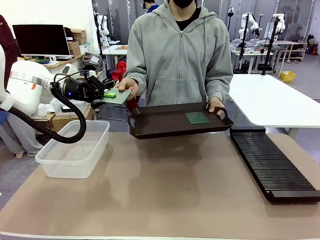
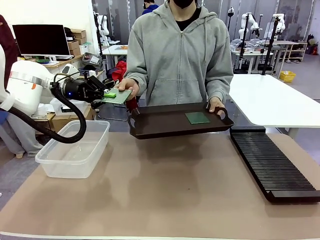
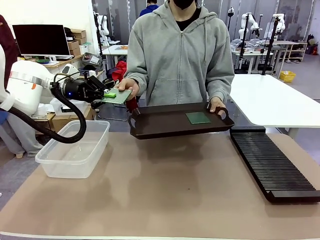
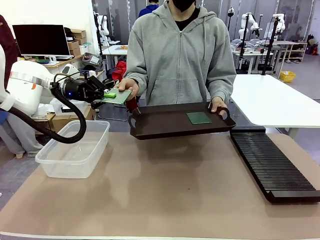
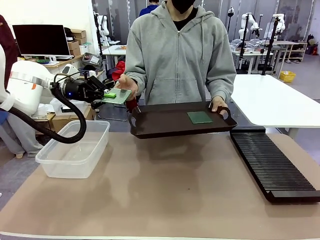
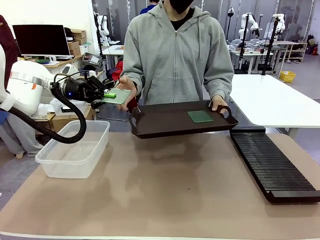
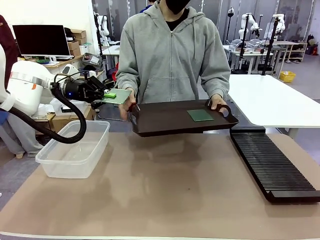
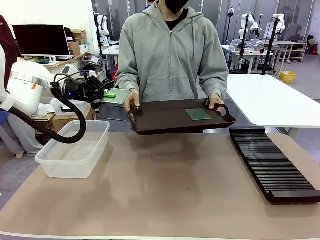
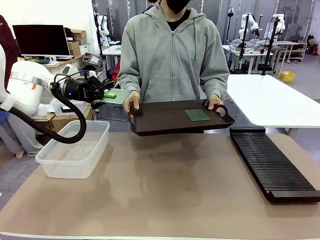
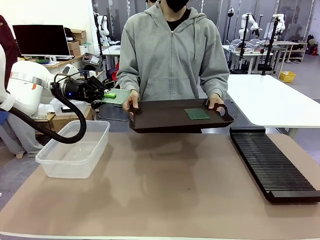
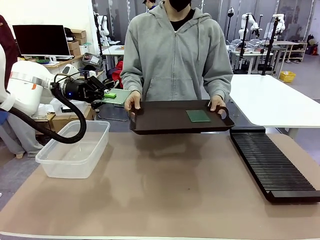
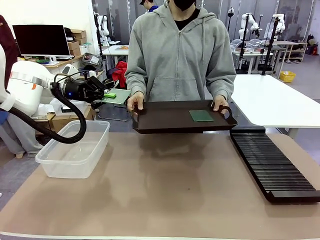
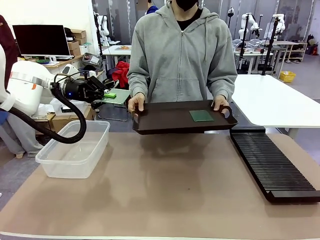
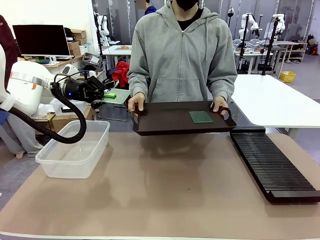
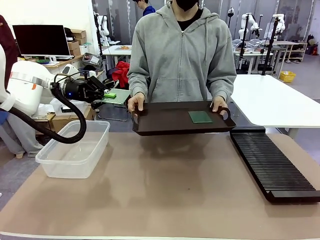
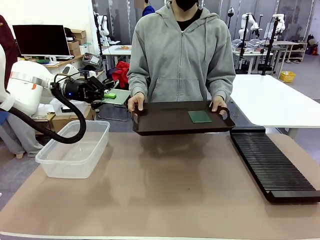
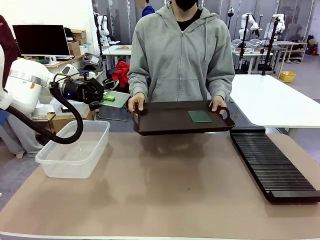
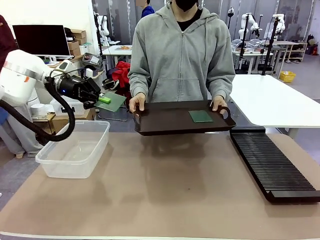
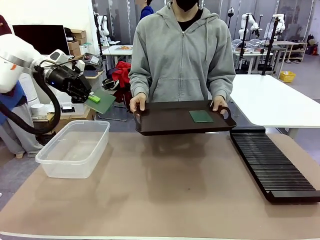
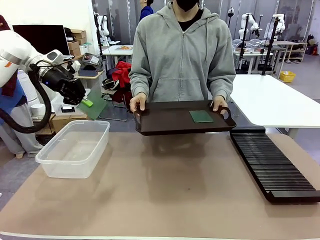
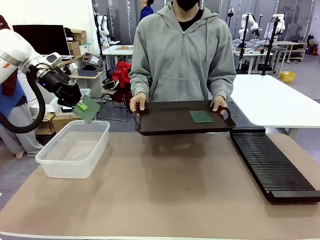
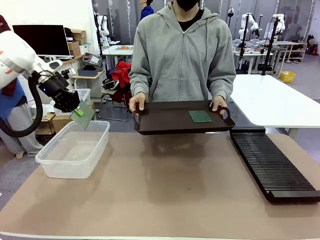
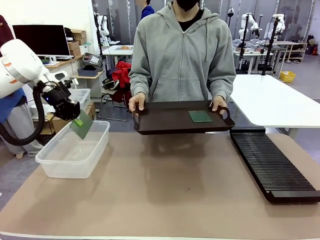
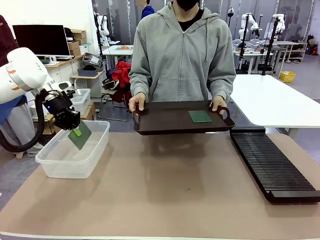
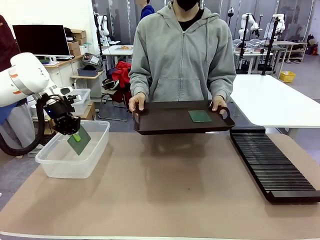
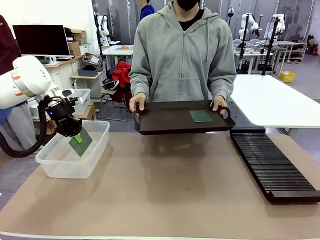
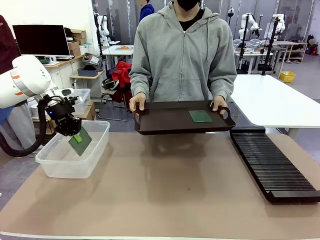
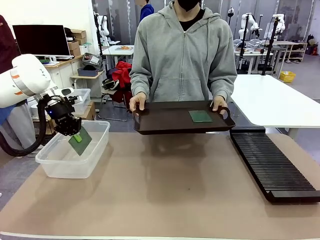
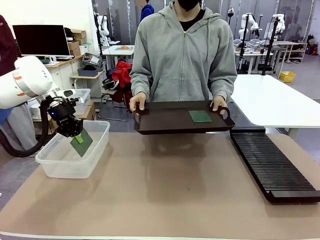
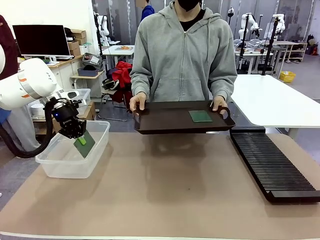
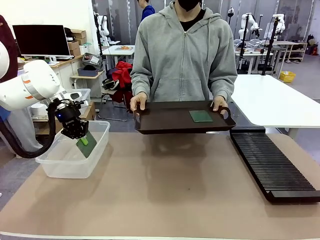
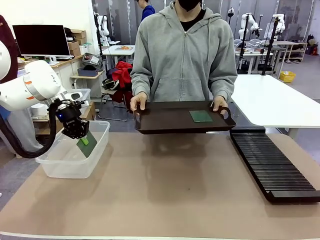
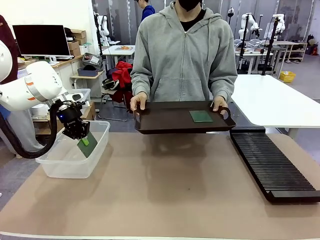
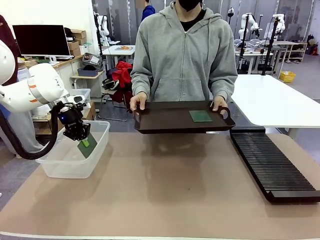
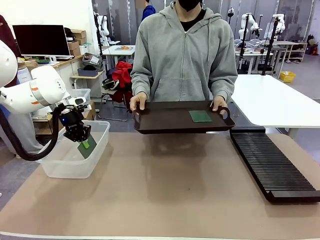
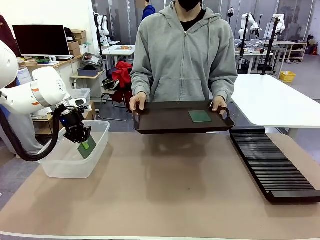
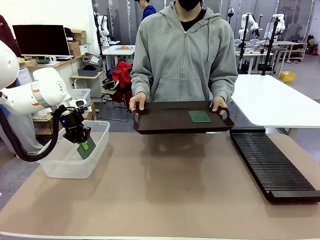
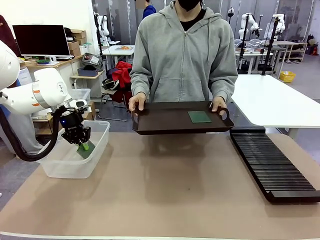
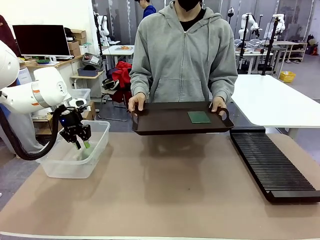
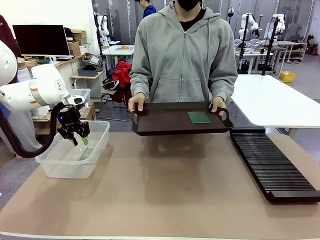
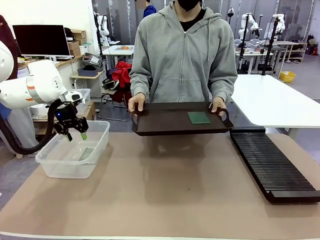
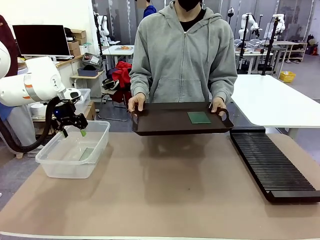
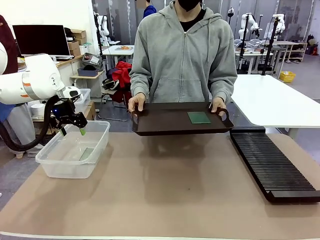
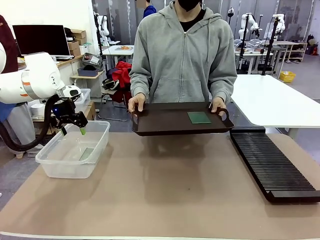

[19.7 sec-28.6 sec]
Task: Sort PCBs into racks and boxes based on the side picked up.
Robot: If the short side of the Blank PCB is picked up, insert it into the PCB Rack ; if the long side is picked up, place it in the Organizing box.
Person: Pick one PCB from the tray and present it to the robot.

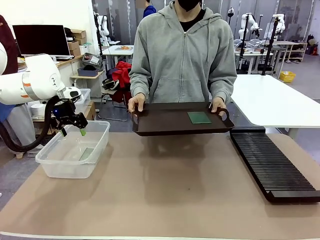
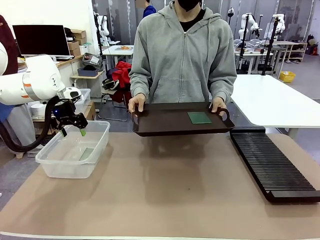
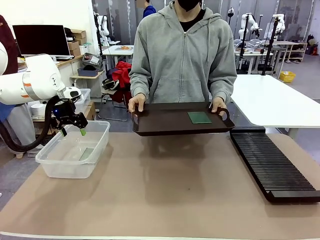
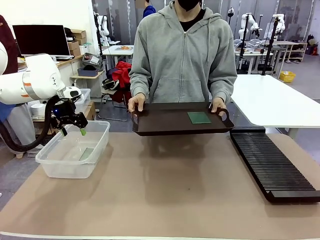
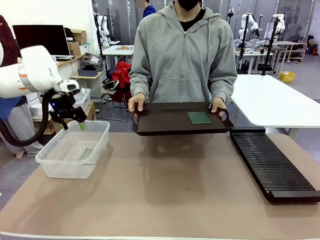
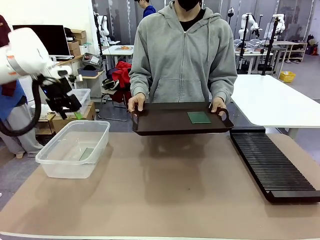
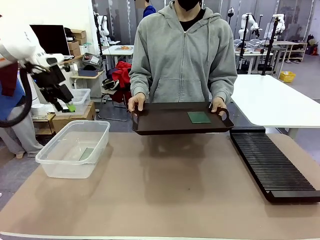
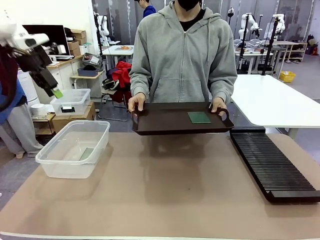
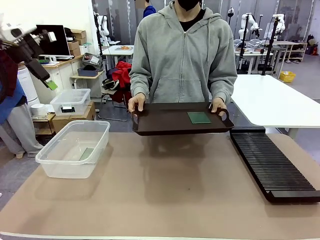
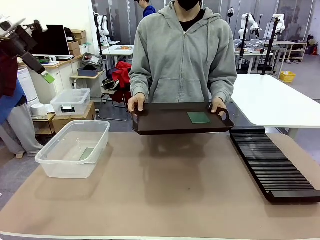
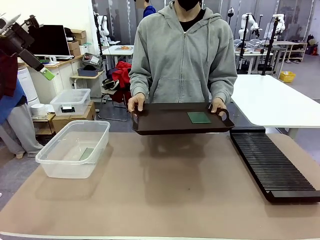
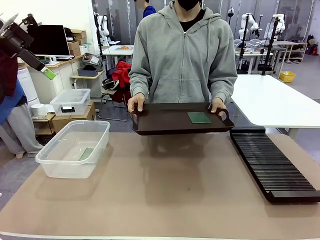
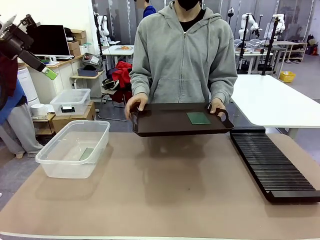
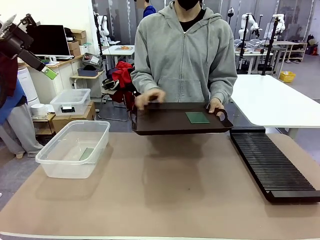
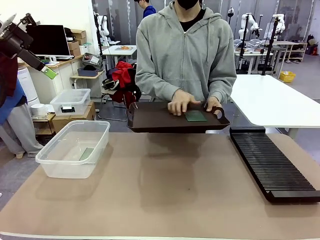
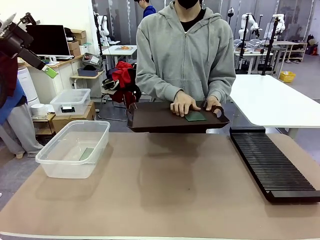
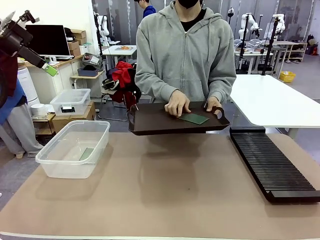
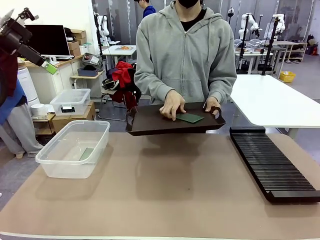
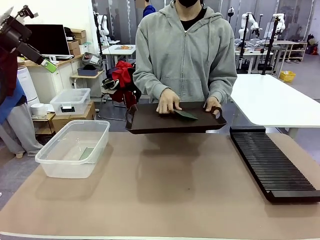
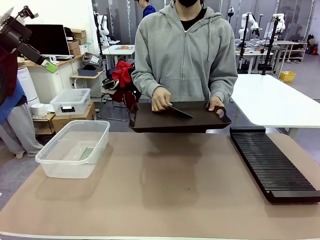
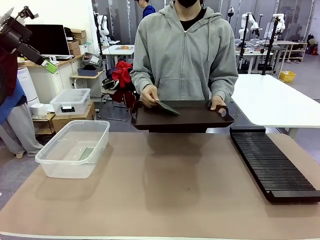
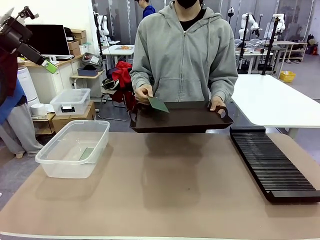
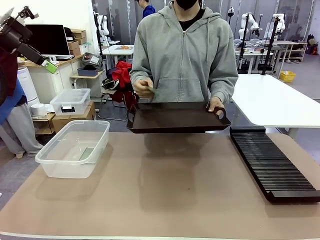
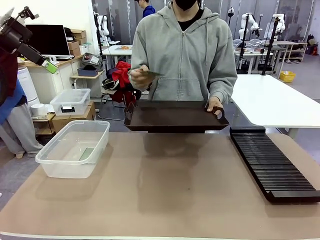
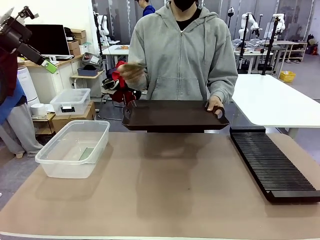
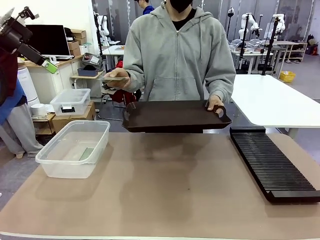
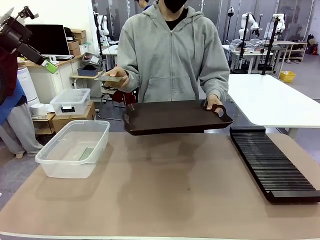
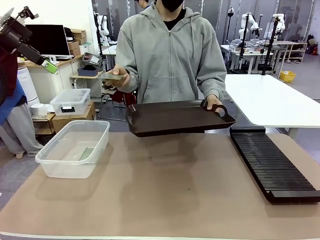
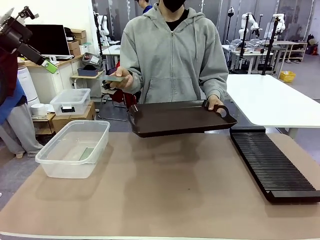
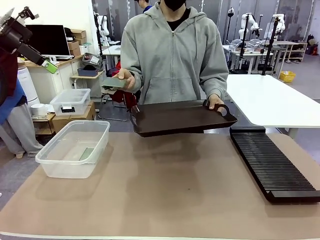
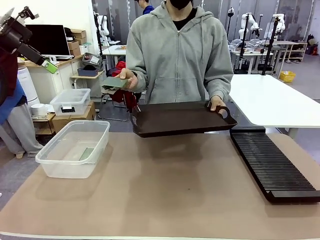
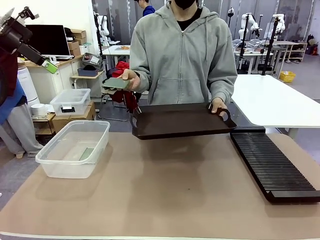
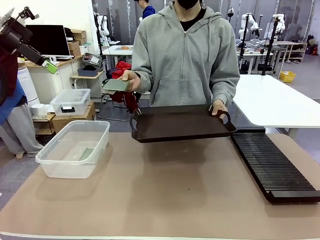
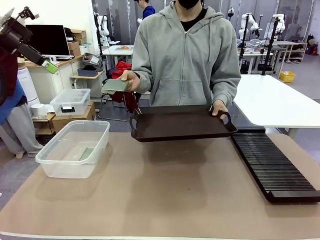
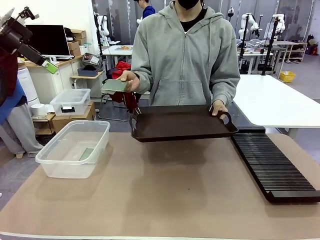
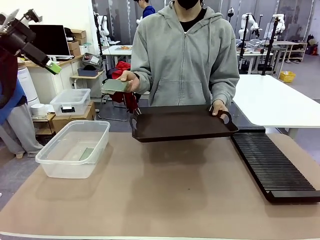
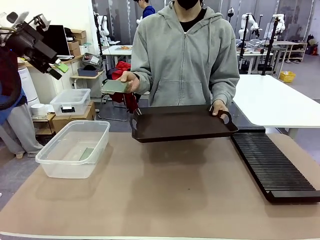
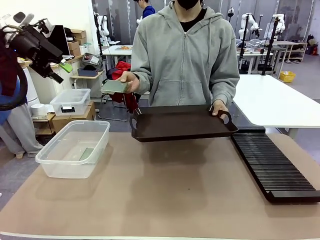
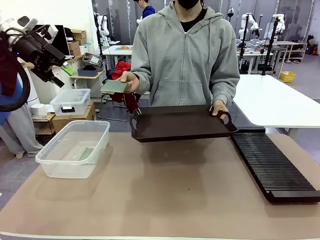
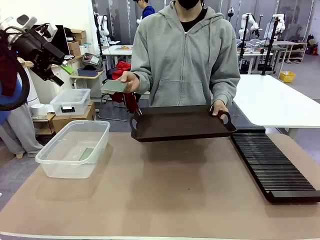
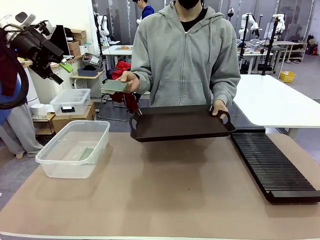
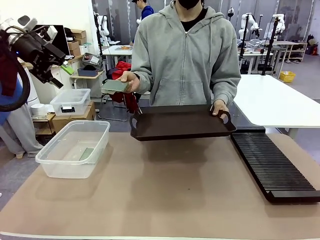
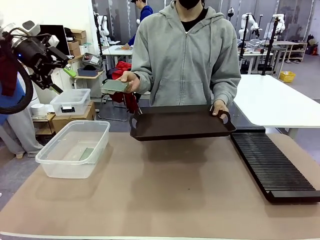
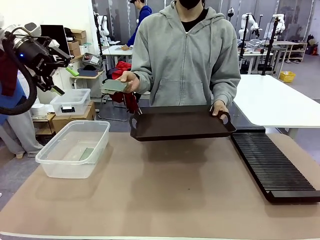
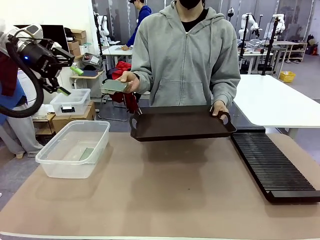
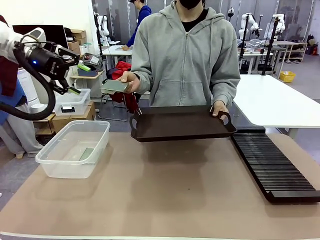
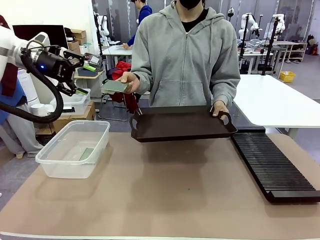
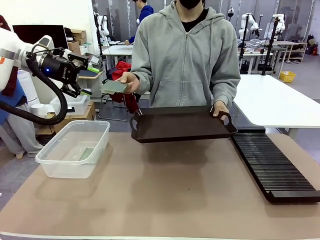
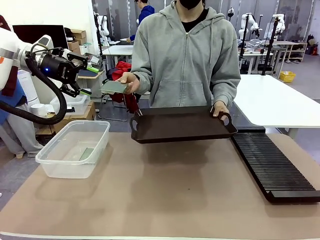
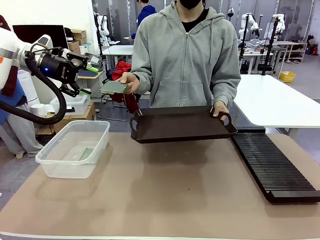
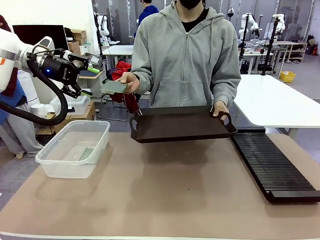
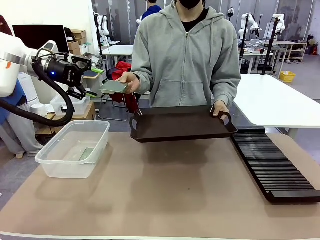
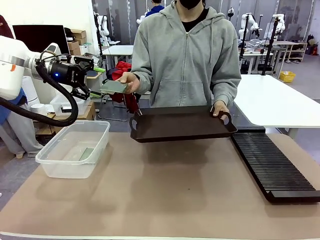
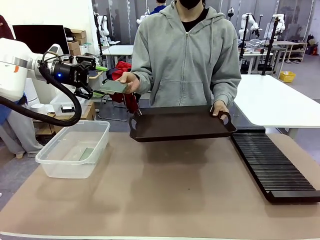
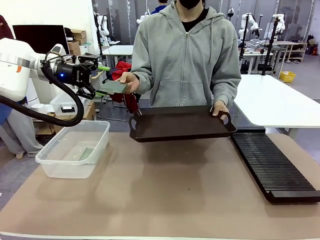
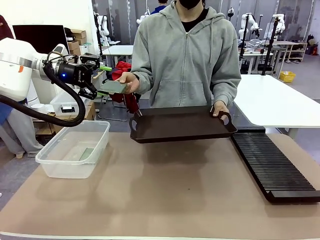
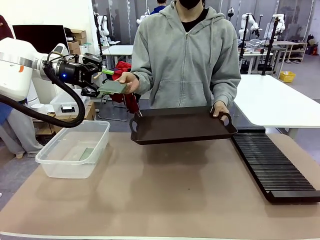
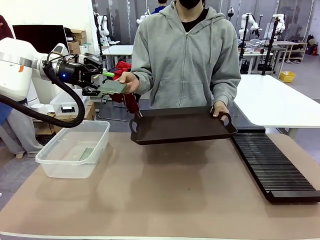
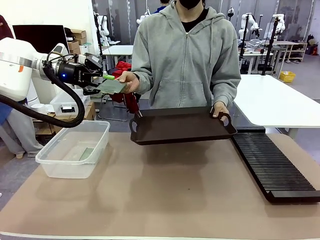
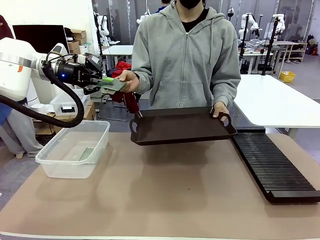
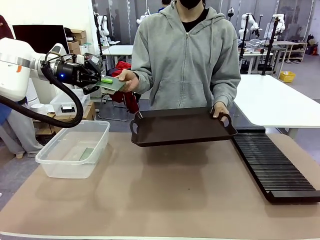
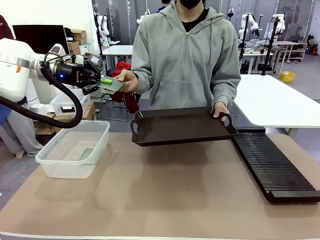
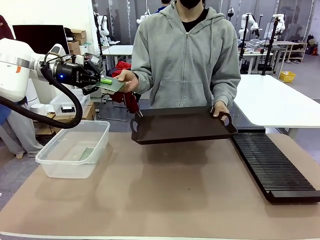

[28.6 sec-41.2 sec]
Robot: Pick up the Blank PCB handed by the Human.
